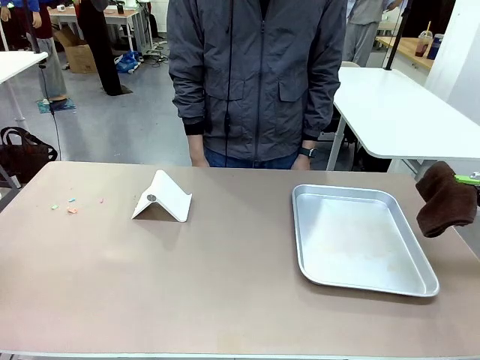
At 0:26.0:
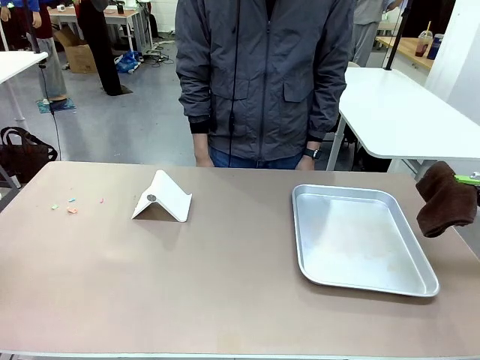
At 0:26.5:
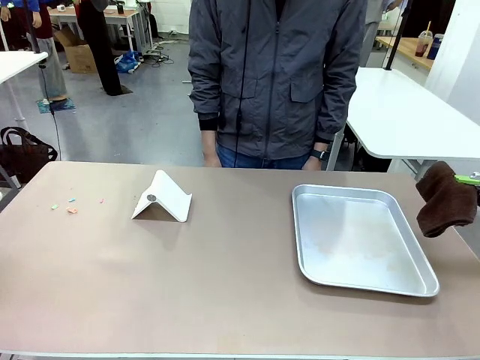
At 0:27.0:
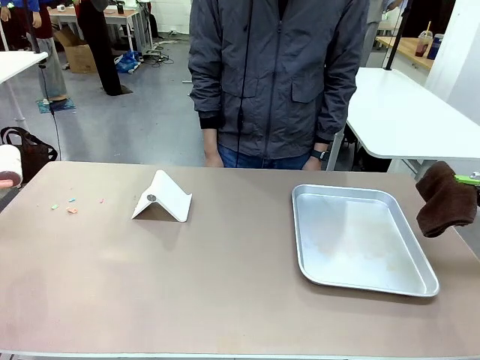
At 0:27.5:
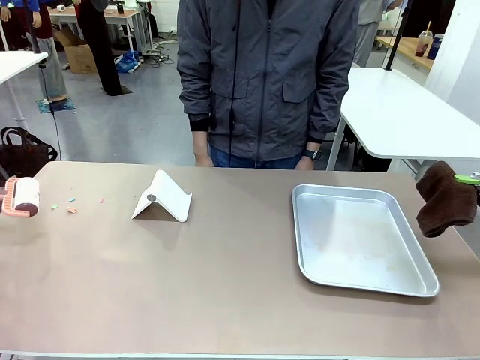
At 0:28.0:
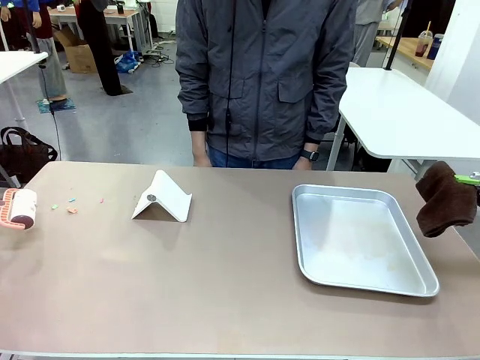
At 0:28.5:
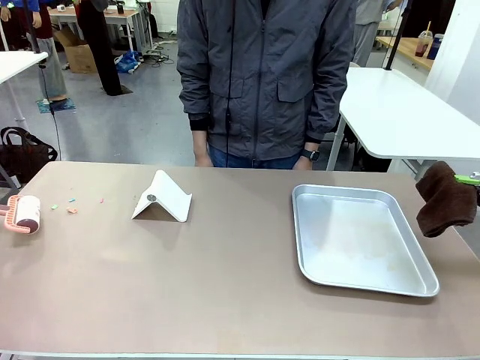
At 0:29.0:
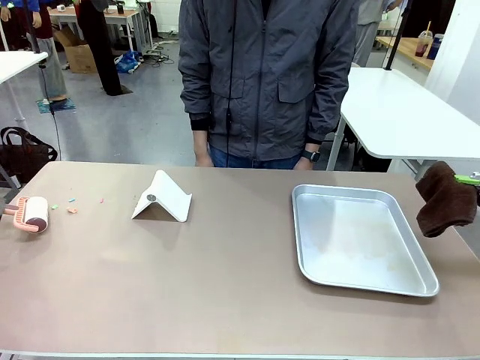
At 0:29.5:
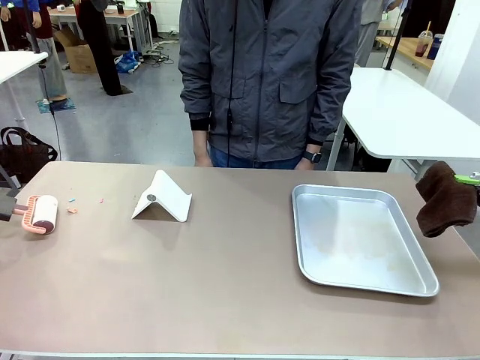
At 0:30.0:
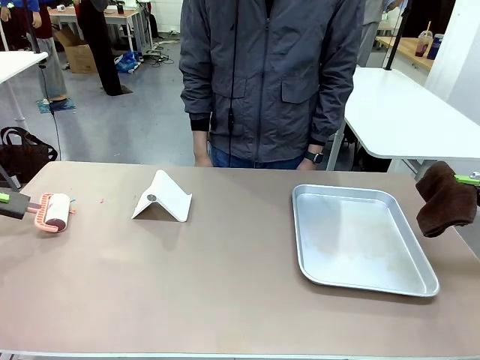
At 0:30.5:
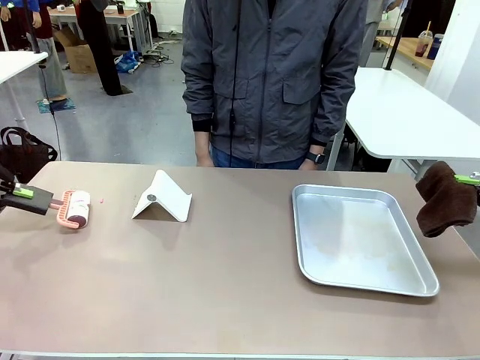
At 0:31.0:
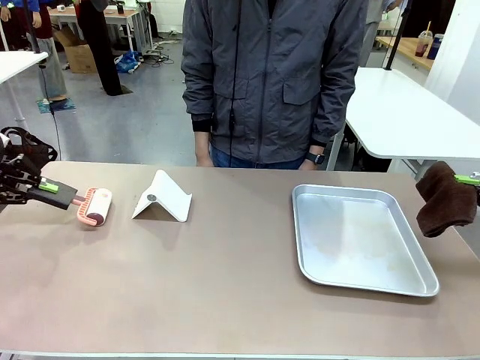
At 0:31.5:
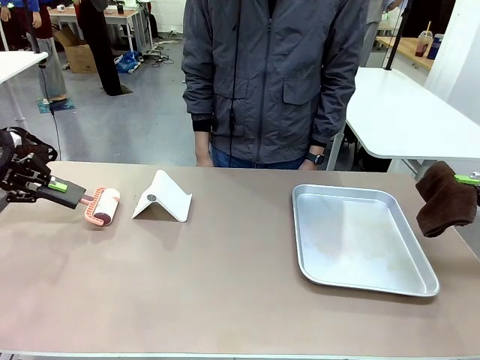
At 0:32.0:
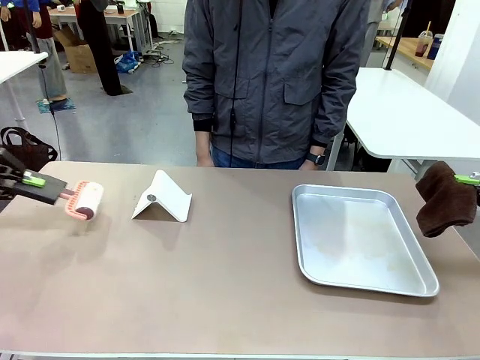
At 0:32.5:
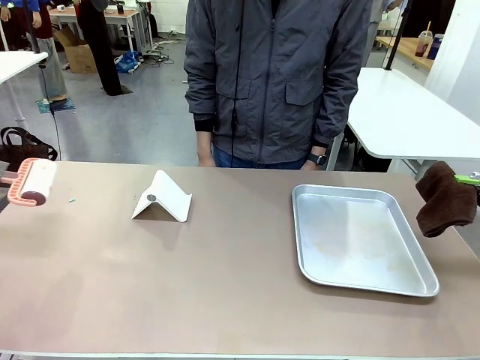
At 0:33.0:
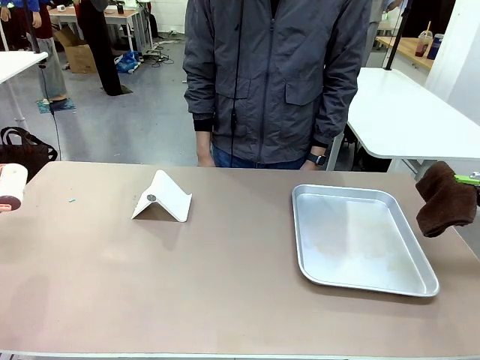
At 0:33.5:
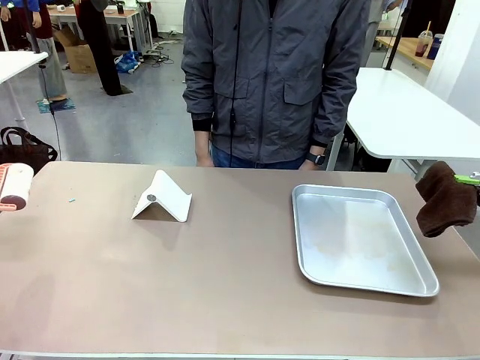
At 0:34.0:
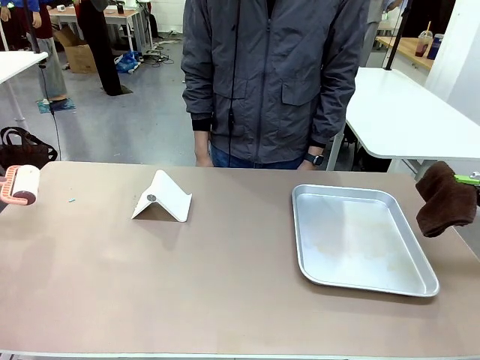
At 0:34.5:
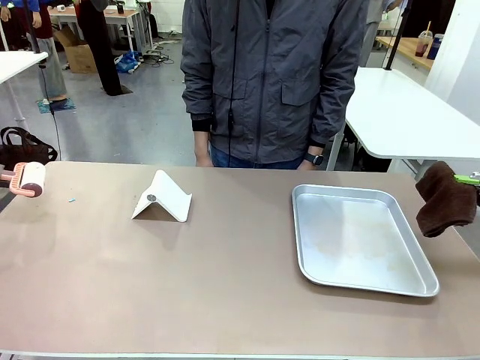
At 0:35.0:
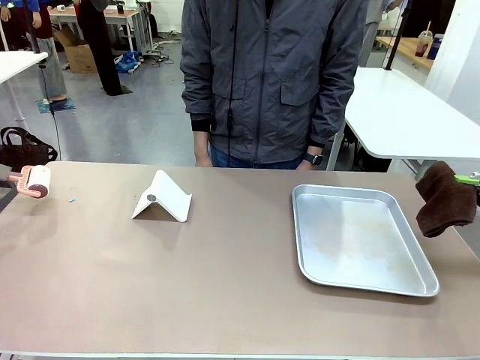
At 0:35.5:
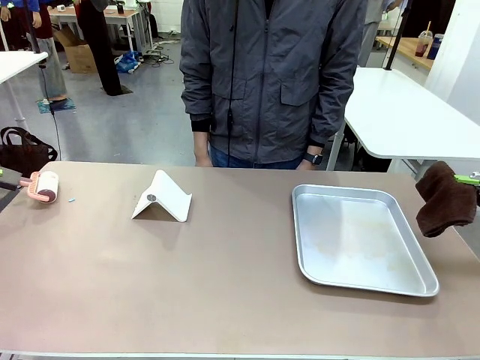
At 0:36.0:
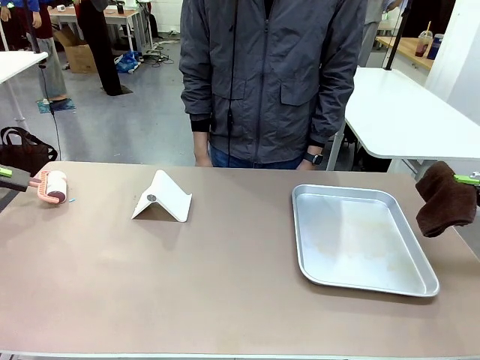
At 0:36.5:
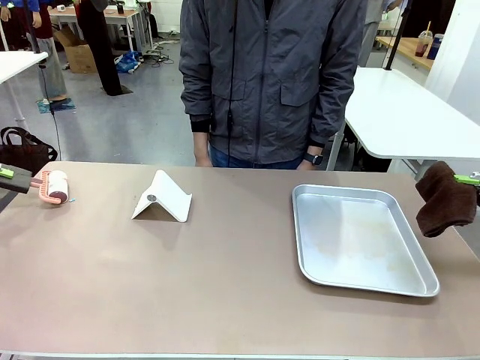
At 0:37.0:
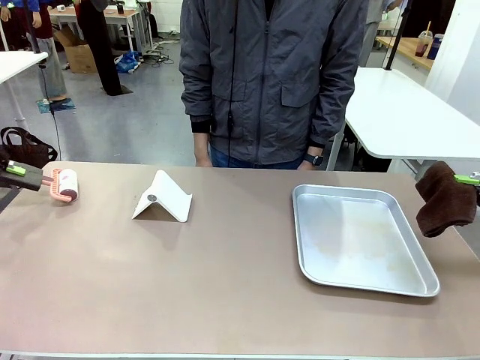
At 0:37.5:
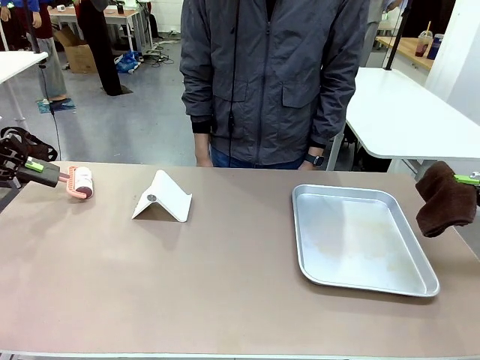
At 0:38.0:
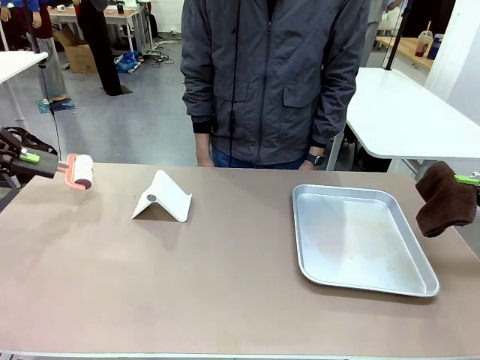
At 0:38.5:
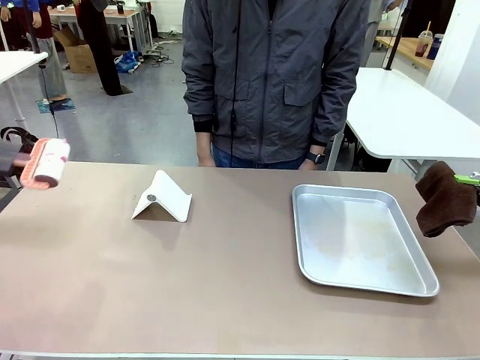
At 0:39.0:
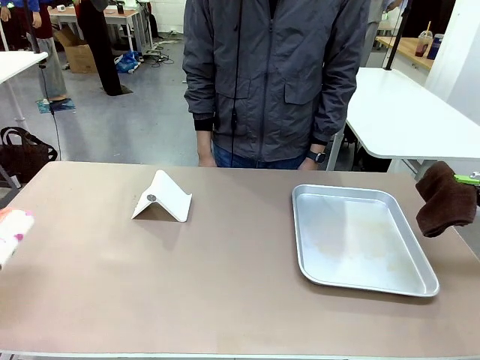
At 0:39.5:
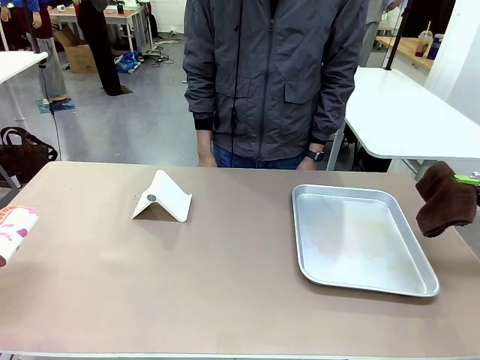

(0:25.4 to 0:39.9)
Task: Clean the surface of the table.
Robot: Clean the area not pointed to by the person.

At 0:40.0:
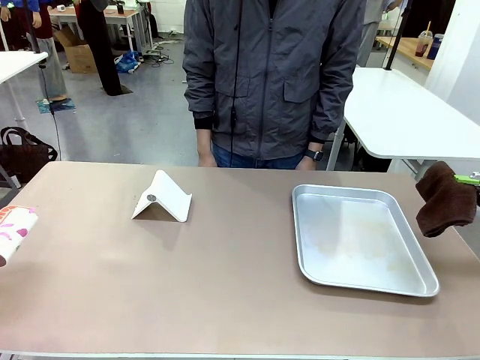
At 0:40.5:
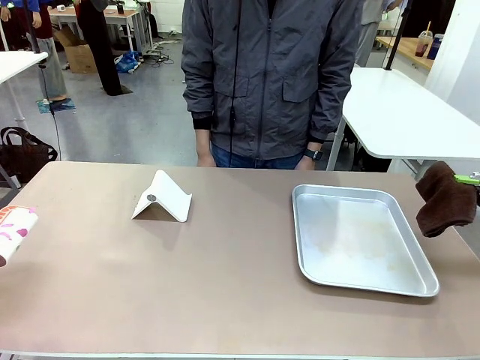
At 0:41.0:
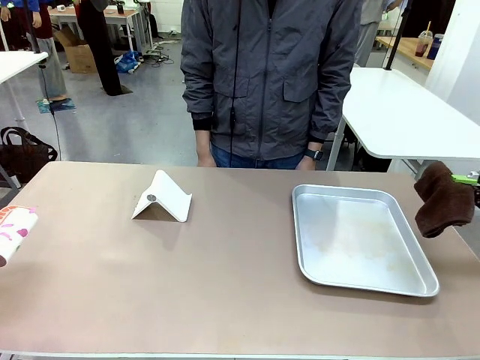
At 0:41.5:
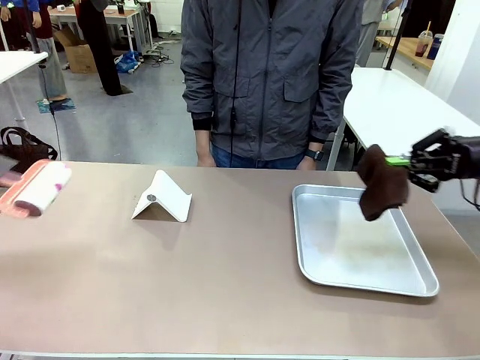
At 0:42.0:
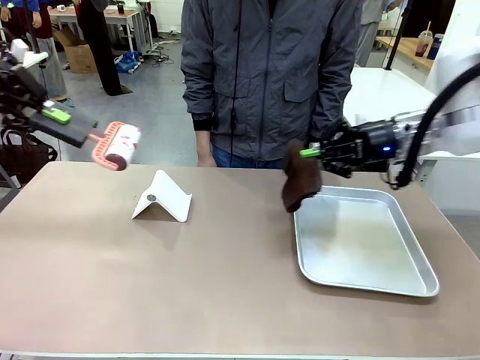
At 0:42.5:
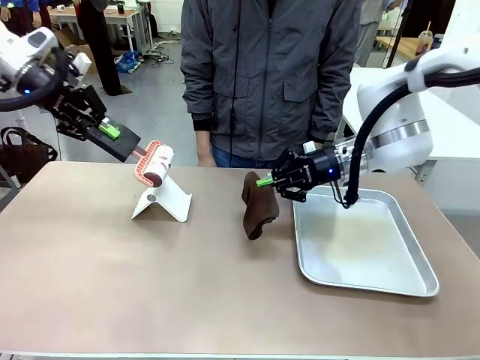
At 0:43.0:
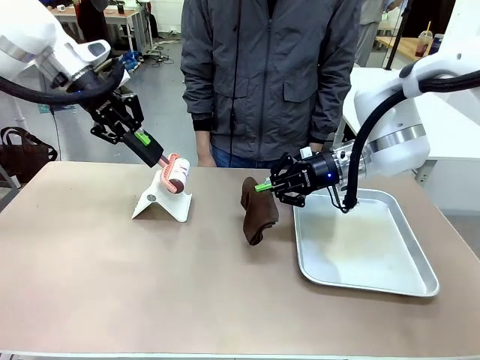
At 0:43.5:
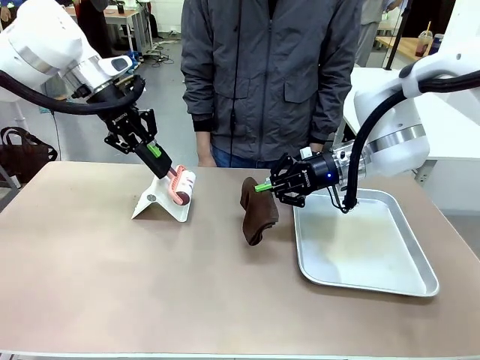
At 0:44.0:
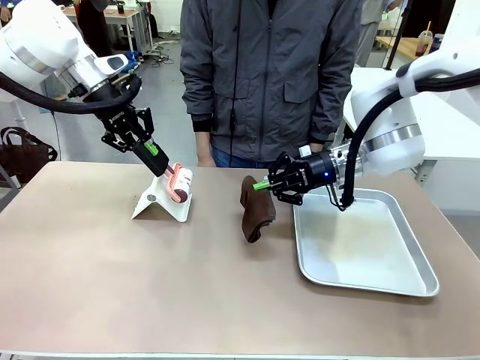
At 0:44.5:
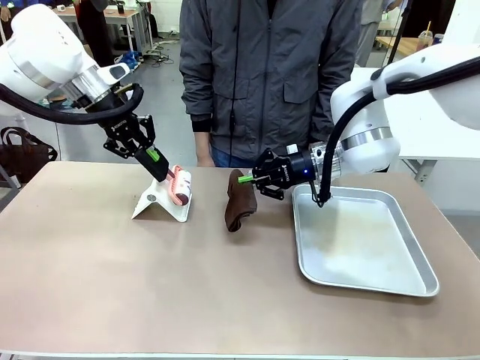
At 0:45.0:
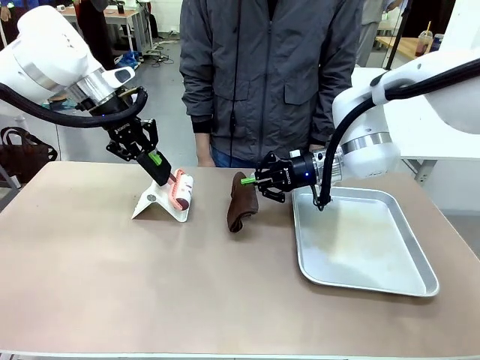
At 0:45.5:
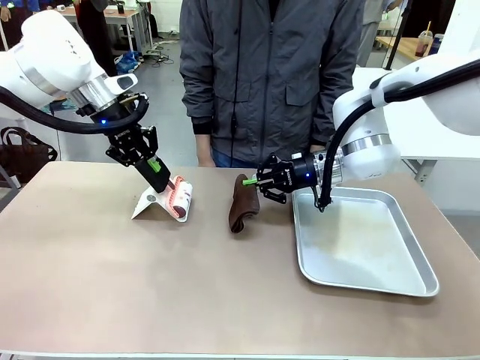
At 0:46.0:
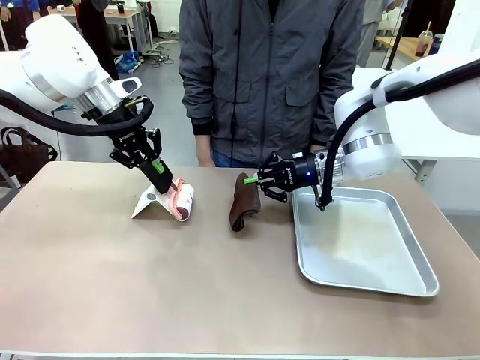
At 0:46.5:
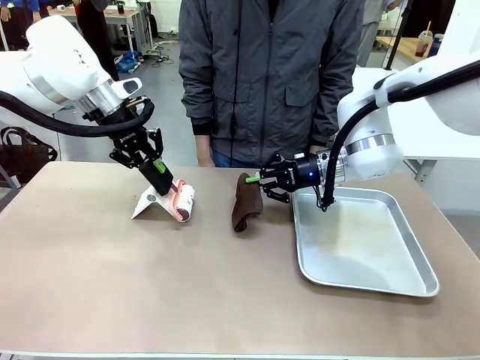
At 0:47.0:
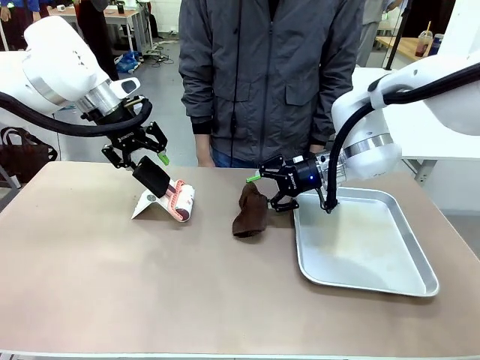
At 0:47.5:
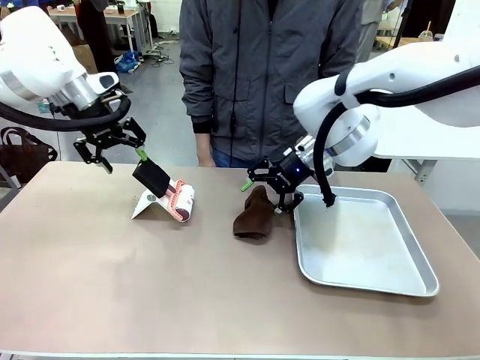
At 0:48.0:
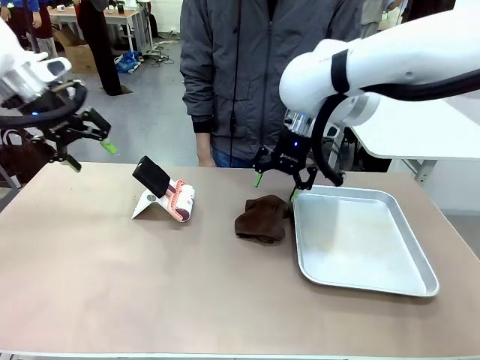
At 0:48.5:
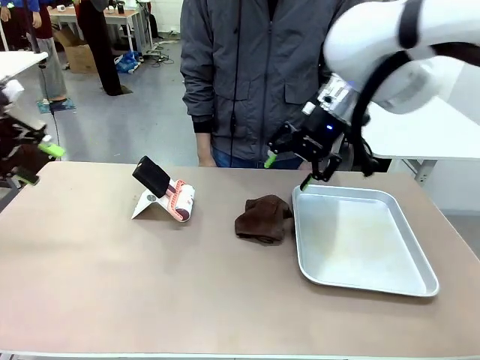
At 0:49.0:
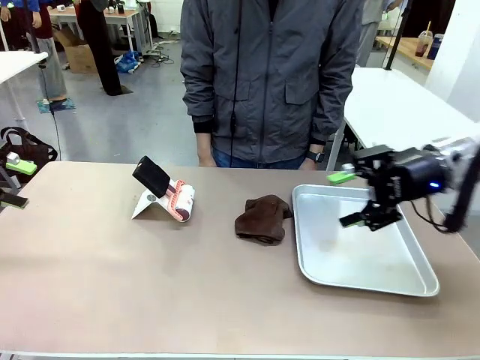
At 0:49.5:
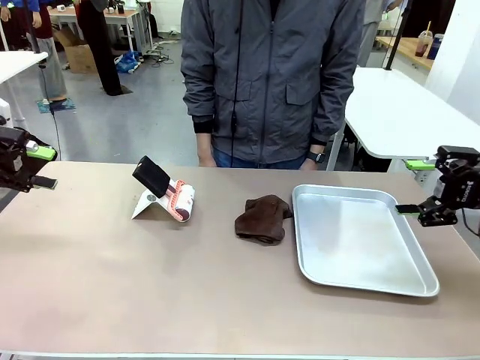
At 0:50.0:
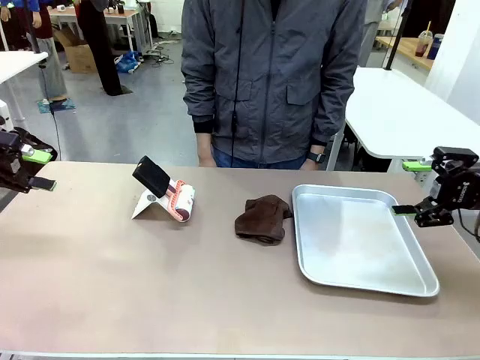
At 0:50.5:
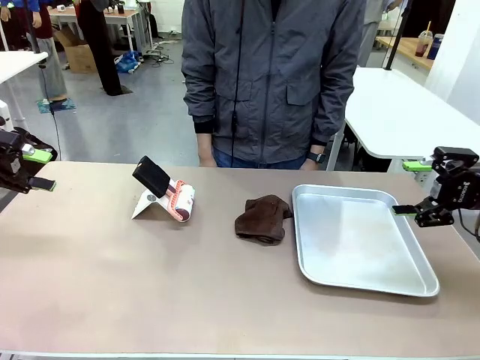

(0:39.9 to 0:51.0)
Robot: Return the Lint Roller and towel to their original positions.
